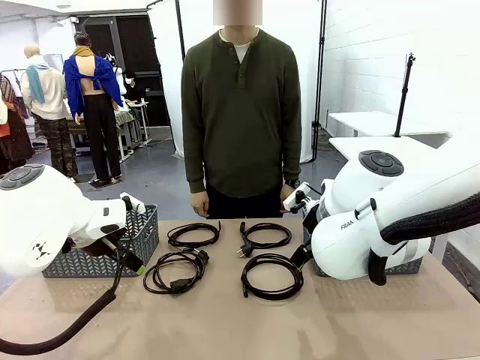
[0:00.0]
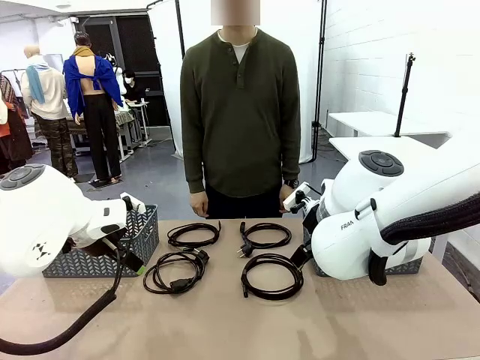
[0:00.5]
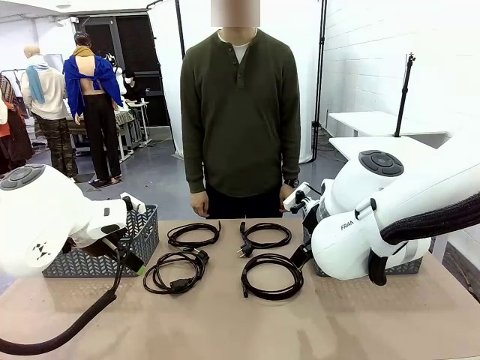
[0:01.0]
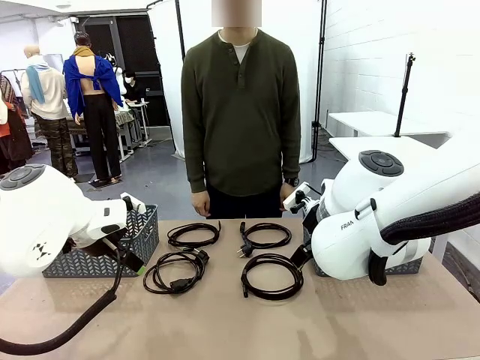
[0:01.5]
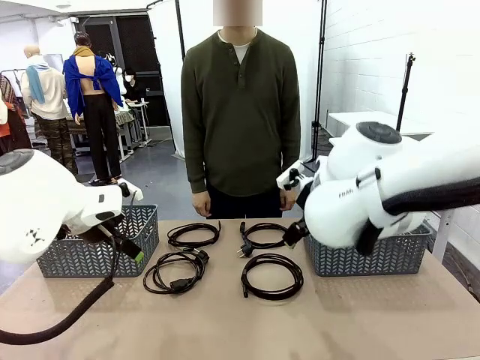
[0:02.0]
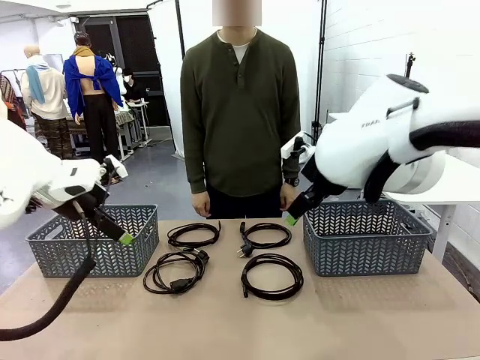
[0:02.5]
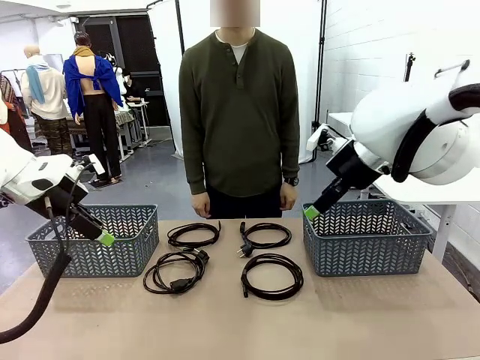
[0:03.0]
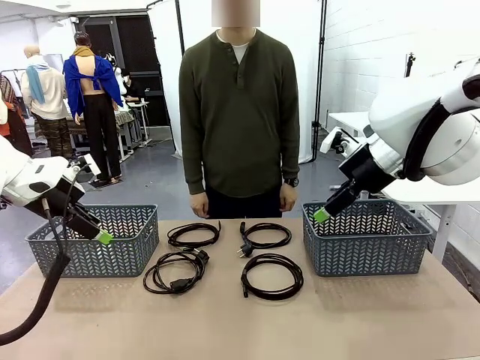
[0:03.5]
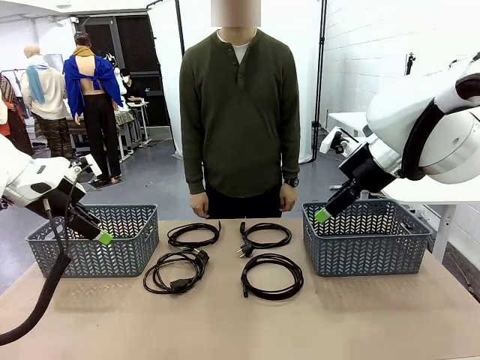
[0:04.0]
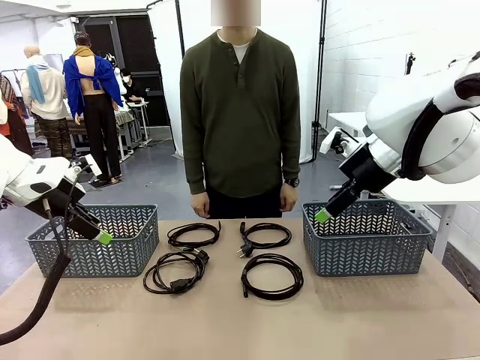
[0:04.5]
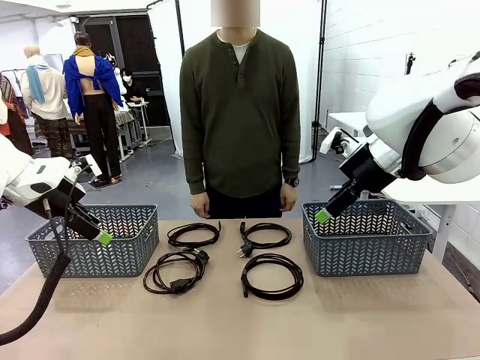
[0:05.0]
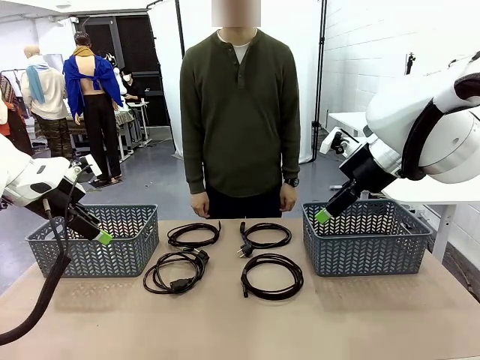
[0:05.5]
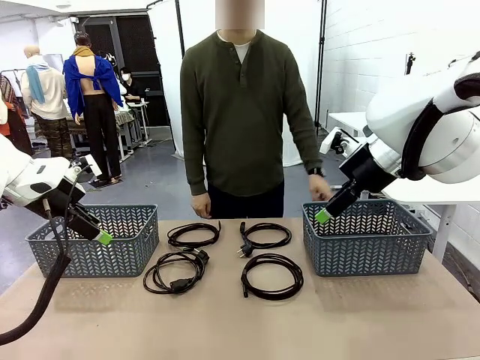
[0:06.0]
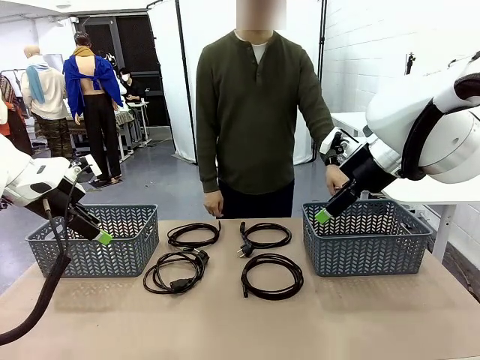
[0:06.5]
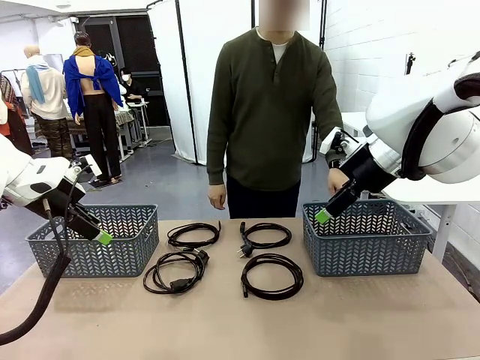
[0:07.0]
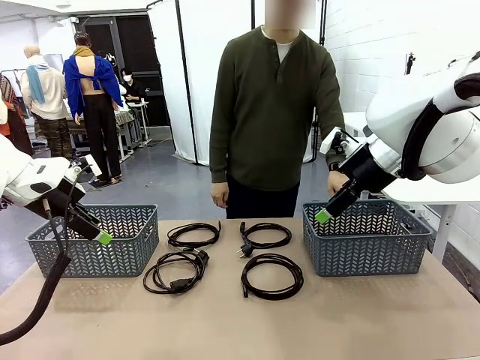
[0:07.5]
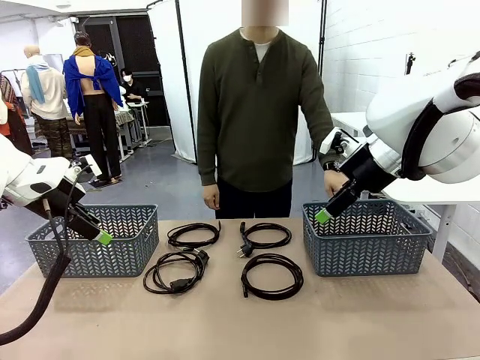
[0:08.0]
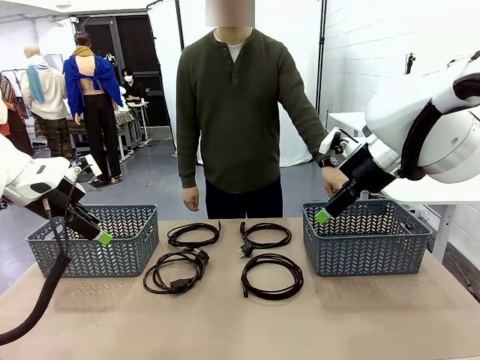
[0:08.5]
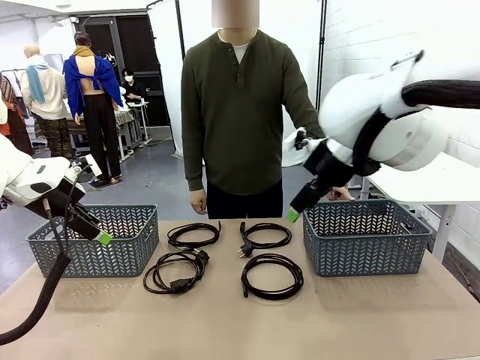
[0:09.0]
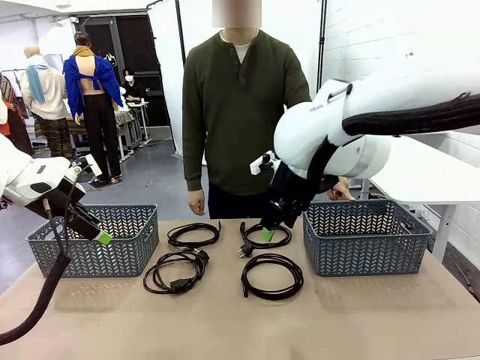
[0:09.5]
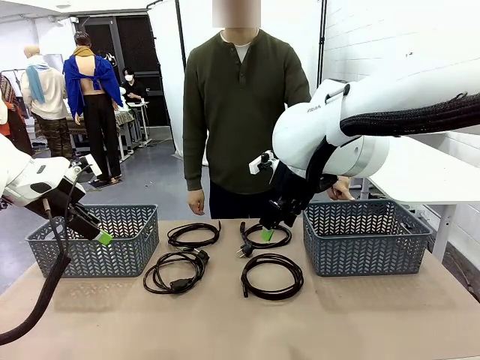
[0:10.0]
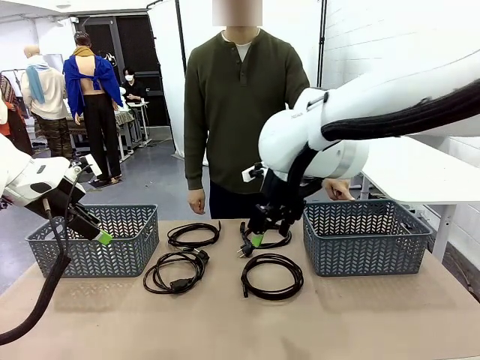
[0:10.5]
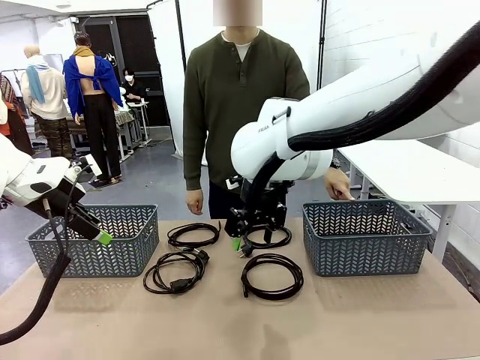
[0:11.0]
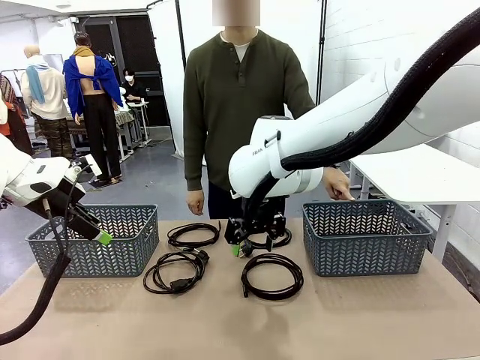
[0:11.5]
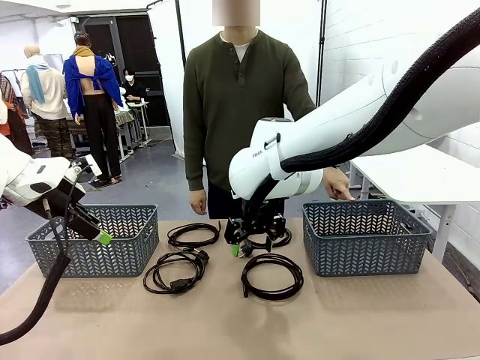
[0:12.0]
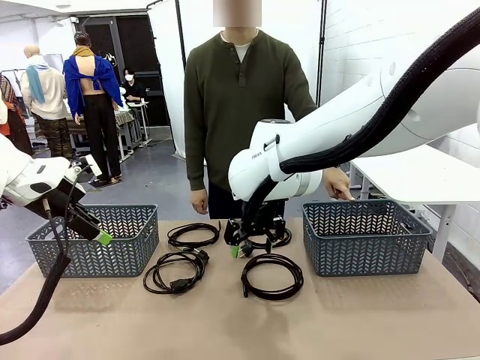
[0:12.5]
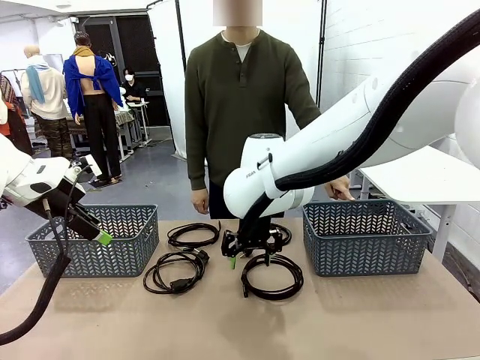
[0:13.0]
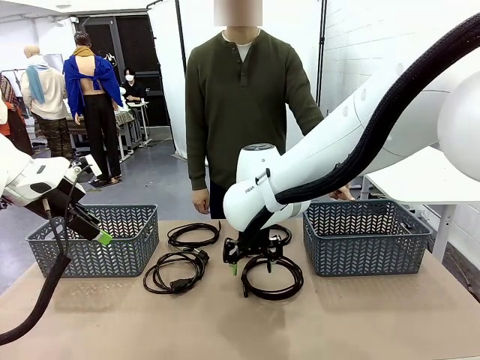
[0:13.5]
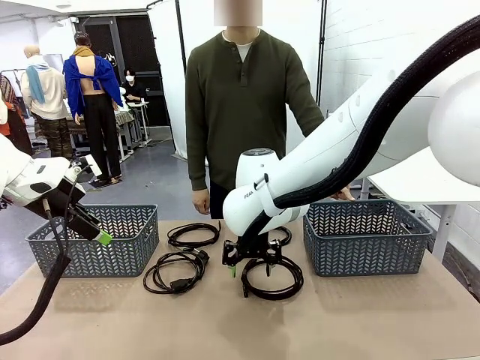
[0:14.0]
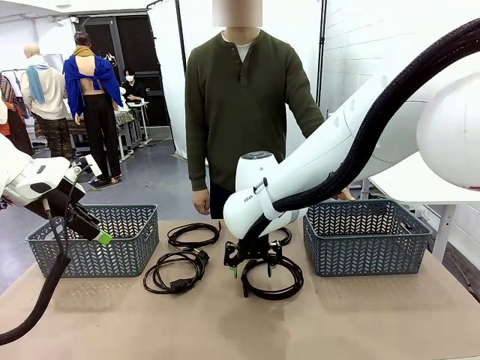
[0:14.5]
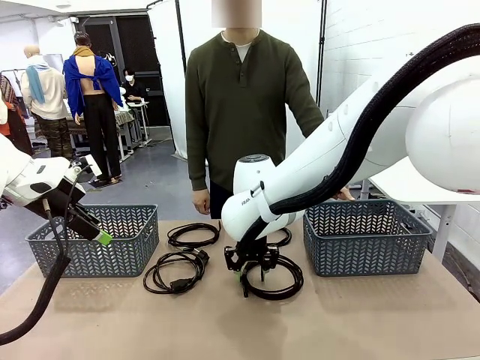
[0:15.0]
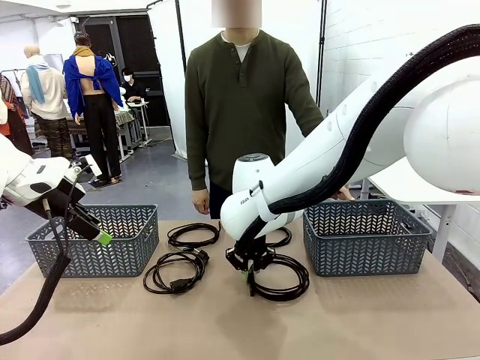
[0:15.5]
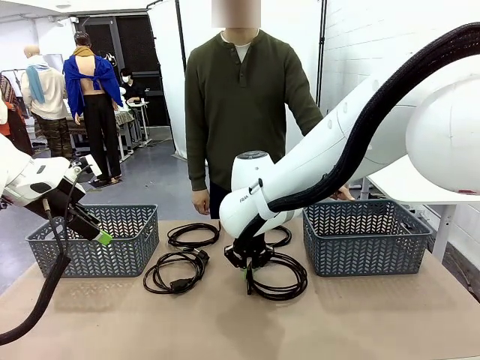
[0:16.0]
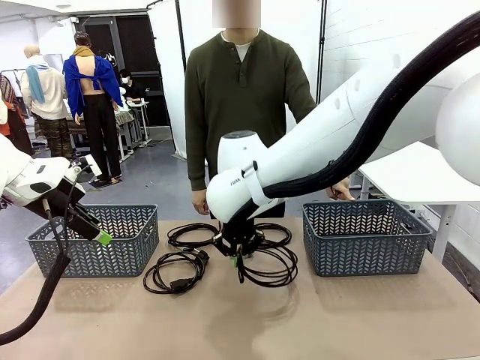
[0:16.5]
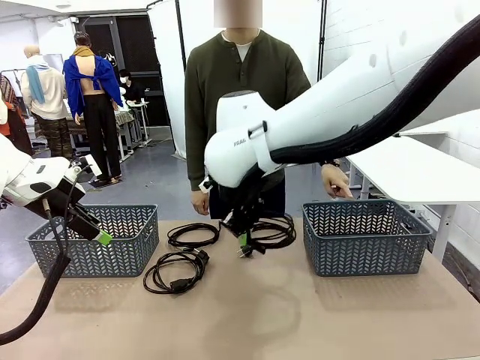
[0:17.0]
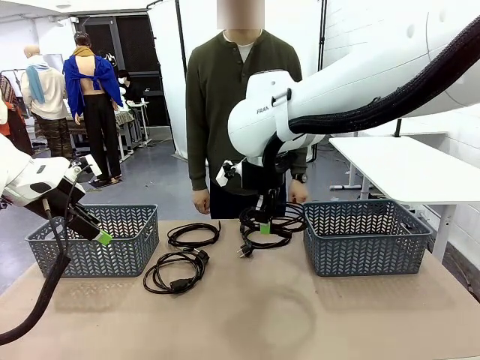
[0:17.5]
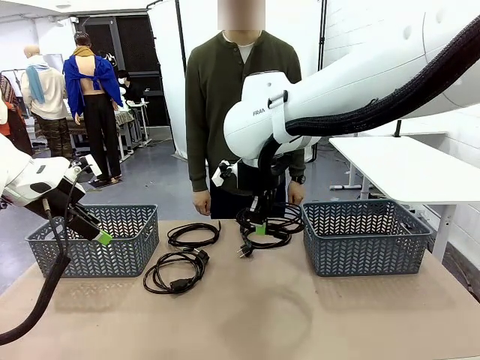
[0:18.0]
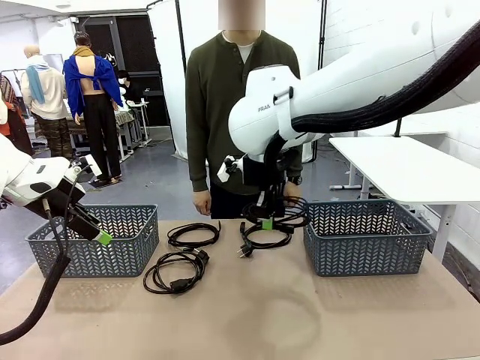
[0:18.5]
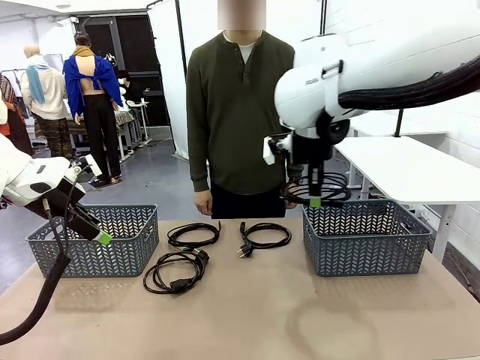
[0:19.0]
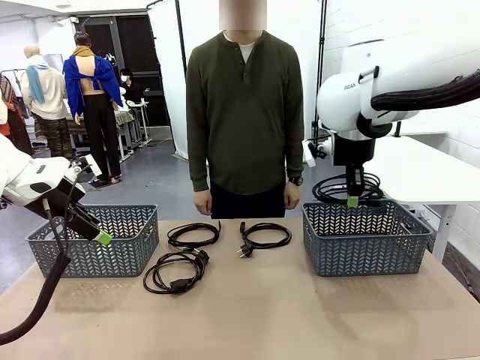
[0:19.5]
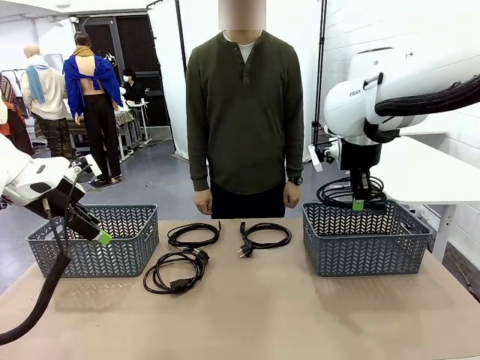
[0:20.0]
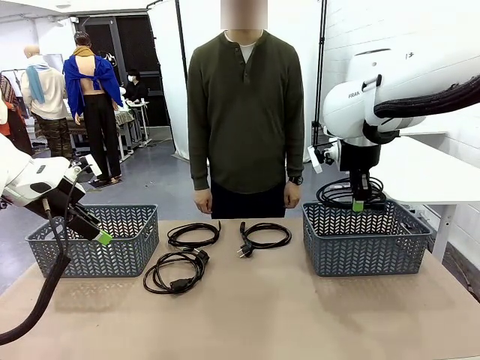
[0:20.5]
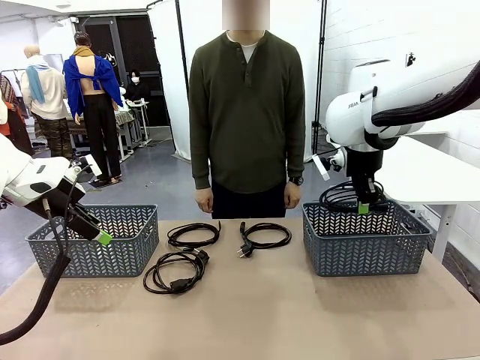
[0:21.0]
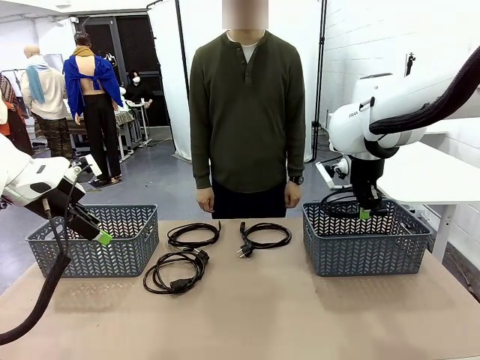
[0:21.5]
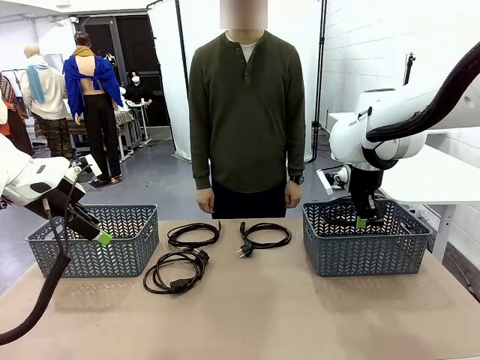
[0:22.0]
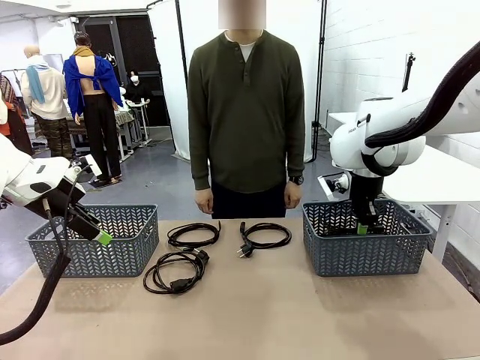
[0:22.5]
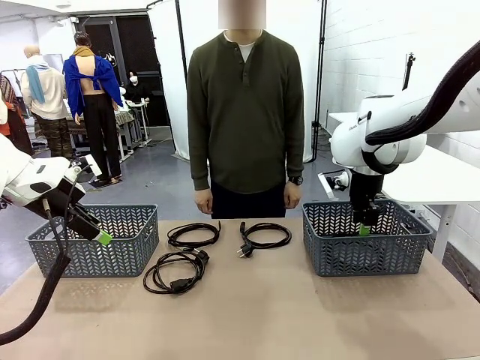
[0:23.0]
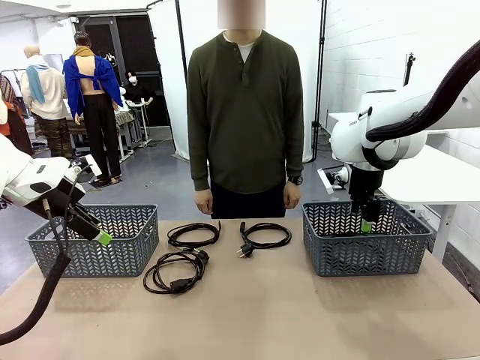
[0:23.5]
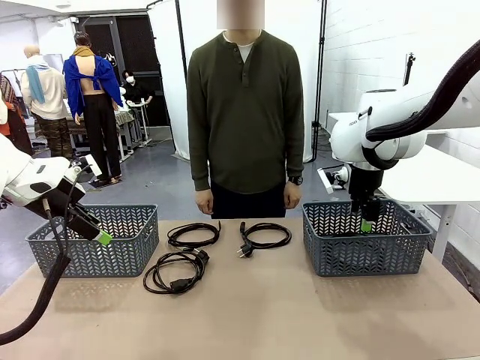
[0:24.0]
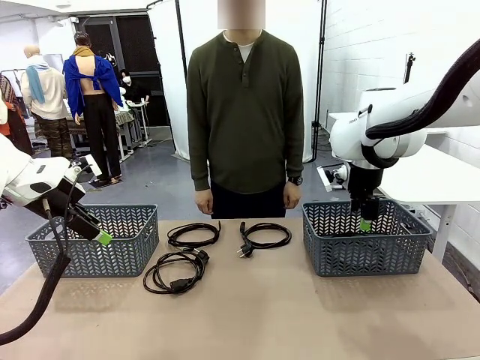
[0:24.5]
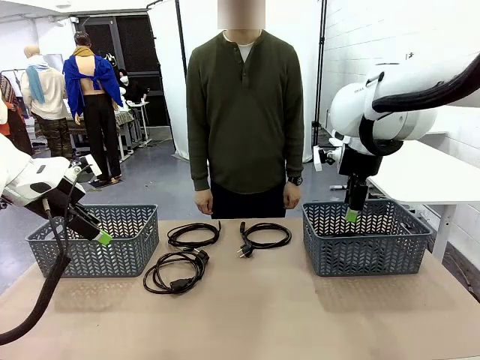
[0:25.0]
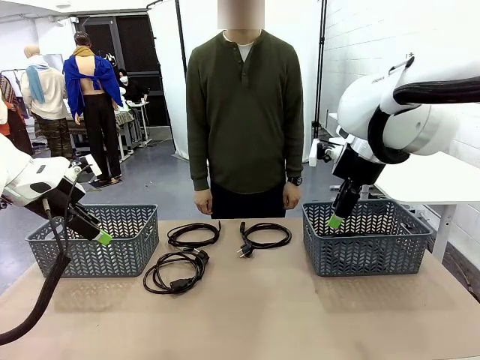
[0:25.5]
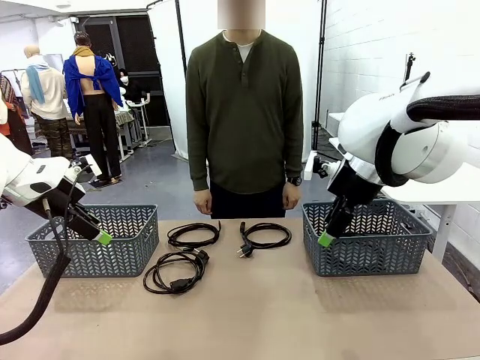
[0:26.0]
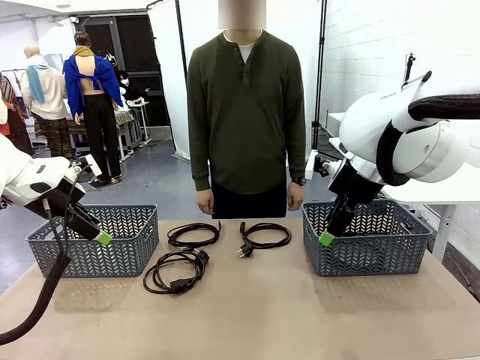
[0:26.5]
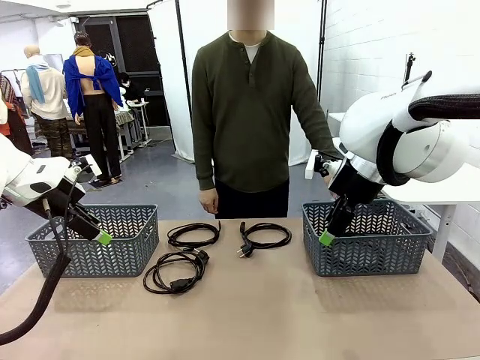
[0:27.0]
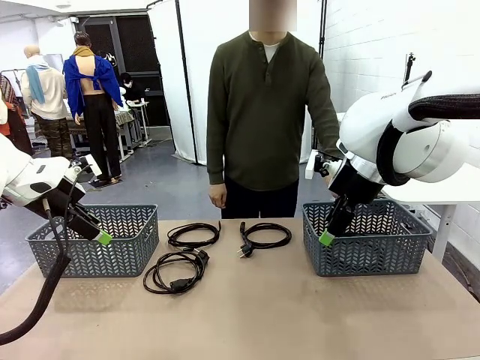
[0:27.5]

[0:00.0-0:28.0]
Task: Organize the cables according to human instructions.
Robot: Pick up a bundle of cables and place it in the basket indicated by the human.
